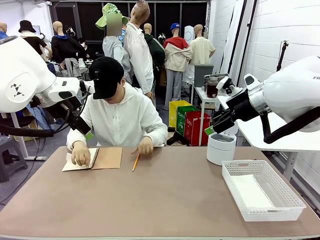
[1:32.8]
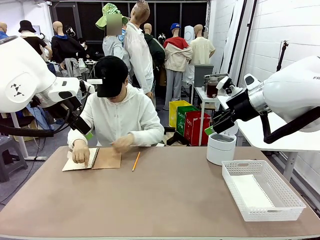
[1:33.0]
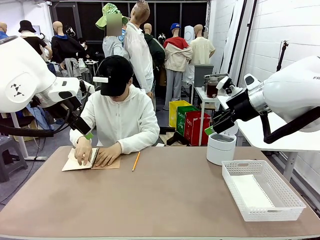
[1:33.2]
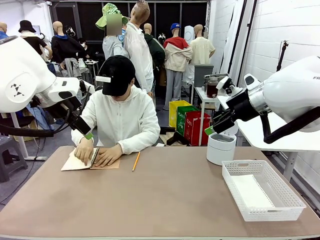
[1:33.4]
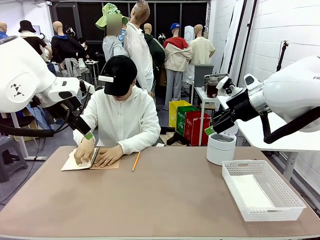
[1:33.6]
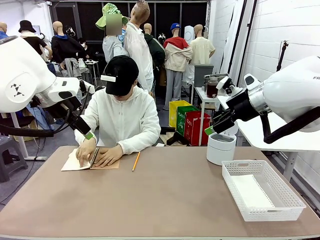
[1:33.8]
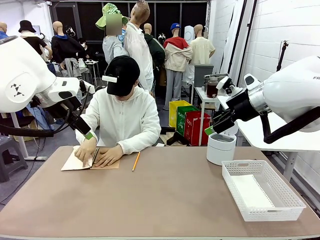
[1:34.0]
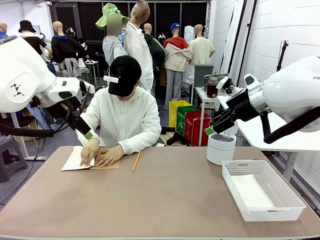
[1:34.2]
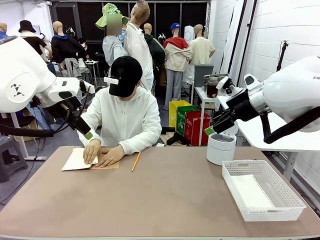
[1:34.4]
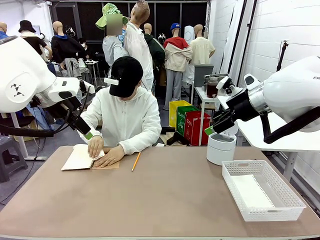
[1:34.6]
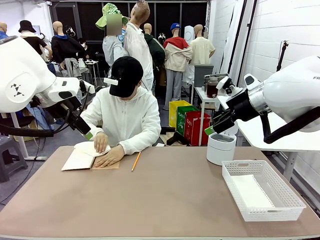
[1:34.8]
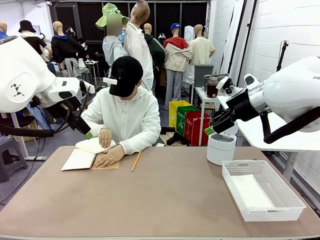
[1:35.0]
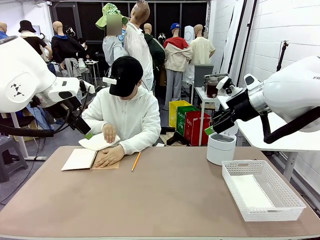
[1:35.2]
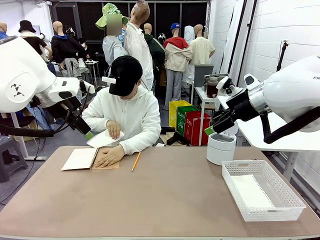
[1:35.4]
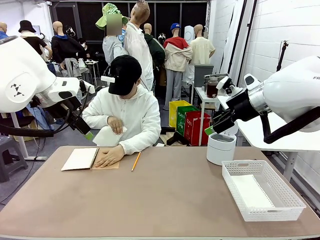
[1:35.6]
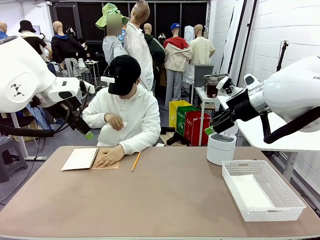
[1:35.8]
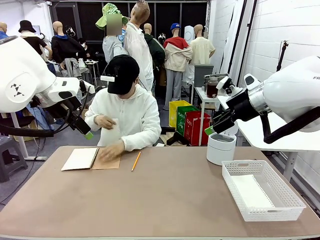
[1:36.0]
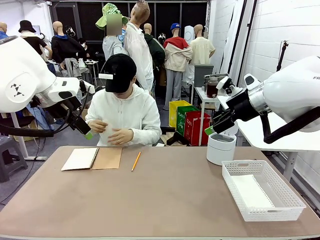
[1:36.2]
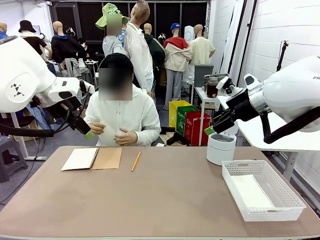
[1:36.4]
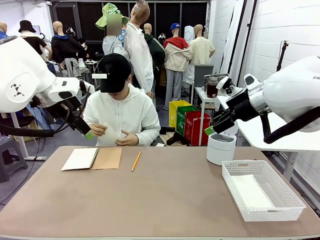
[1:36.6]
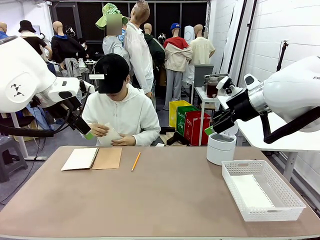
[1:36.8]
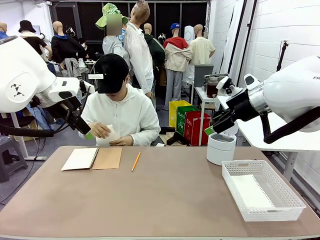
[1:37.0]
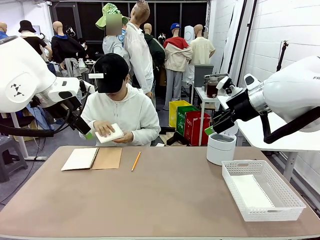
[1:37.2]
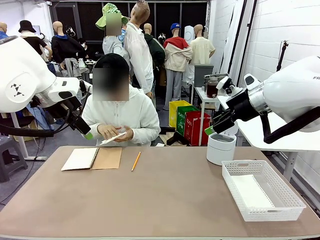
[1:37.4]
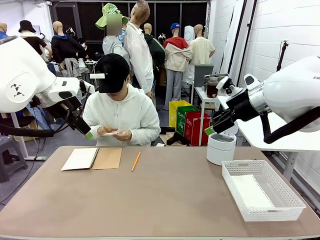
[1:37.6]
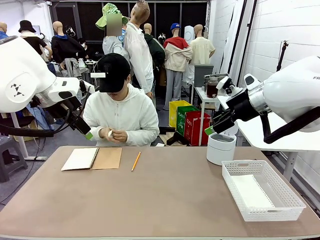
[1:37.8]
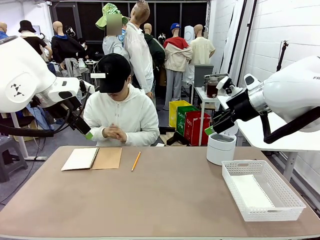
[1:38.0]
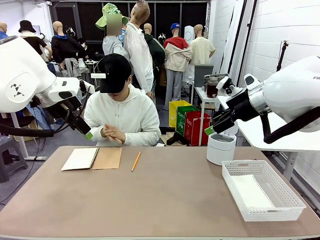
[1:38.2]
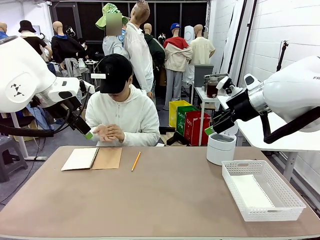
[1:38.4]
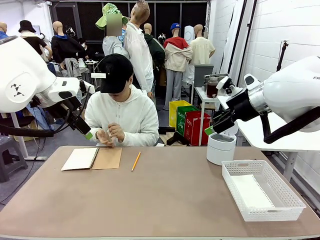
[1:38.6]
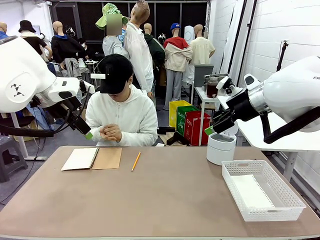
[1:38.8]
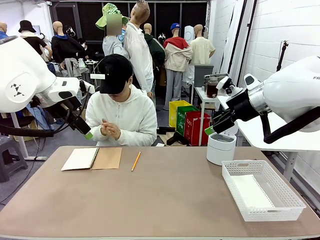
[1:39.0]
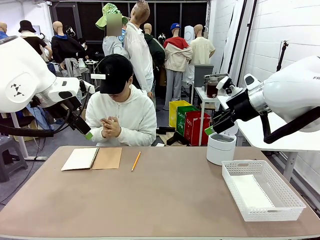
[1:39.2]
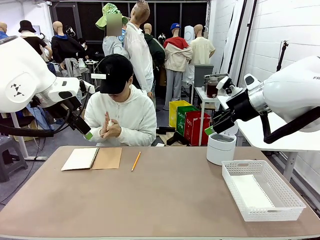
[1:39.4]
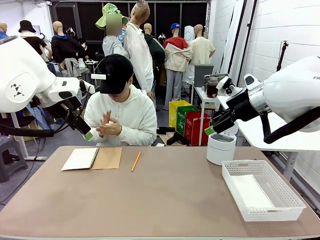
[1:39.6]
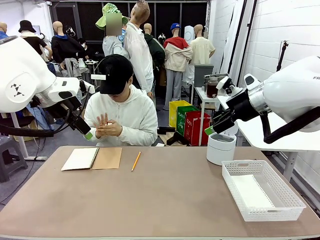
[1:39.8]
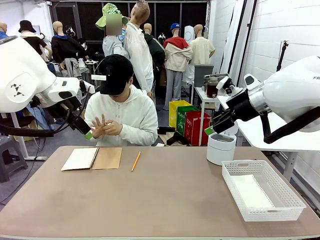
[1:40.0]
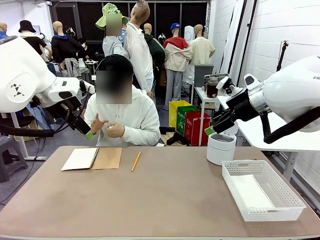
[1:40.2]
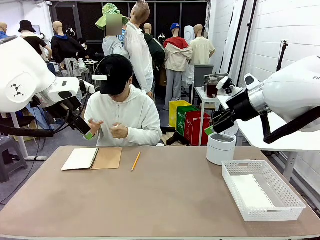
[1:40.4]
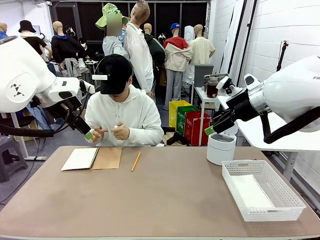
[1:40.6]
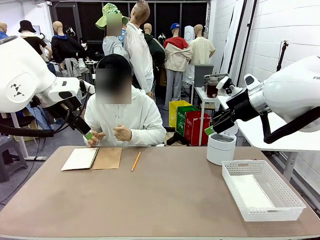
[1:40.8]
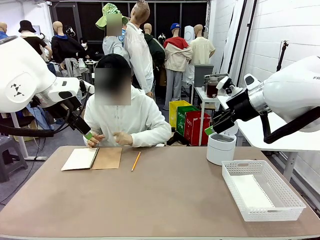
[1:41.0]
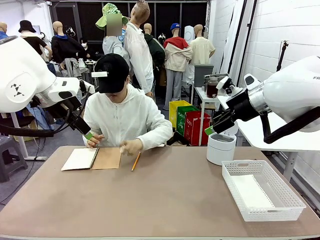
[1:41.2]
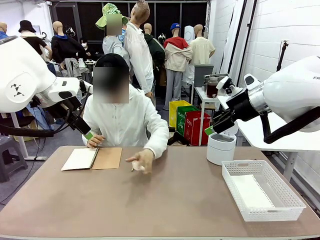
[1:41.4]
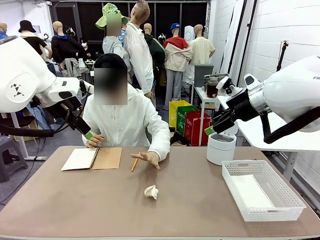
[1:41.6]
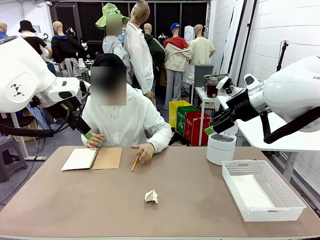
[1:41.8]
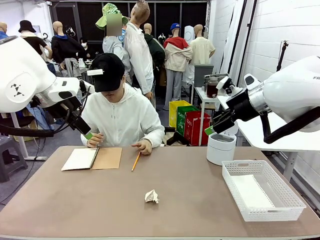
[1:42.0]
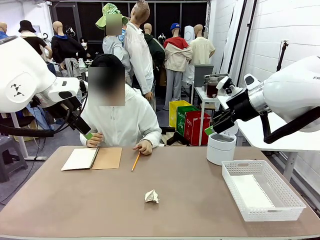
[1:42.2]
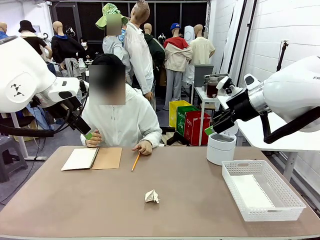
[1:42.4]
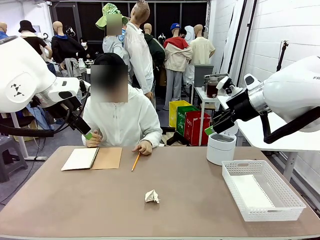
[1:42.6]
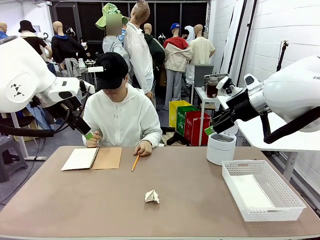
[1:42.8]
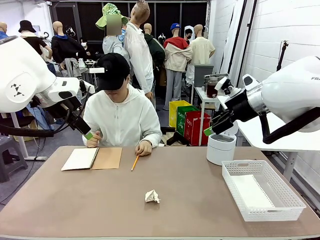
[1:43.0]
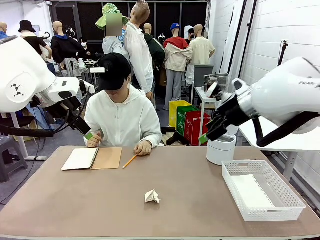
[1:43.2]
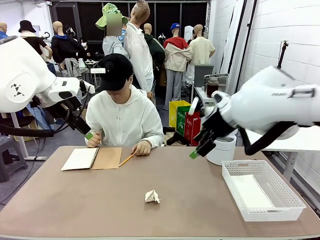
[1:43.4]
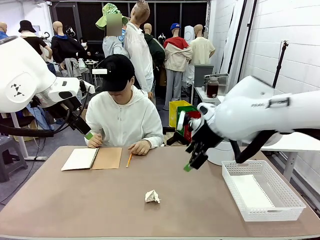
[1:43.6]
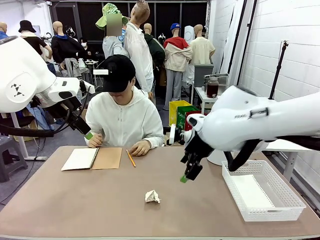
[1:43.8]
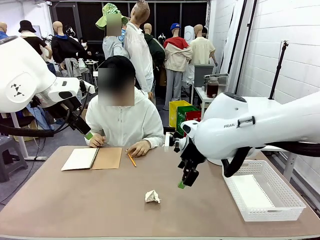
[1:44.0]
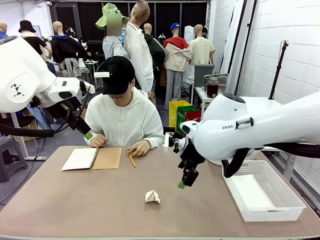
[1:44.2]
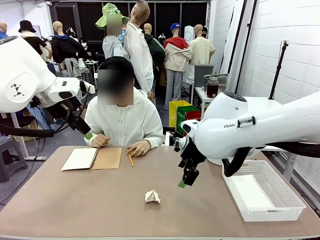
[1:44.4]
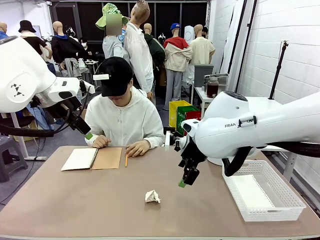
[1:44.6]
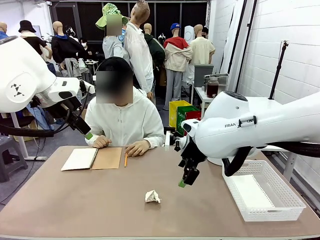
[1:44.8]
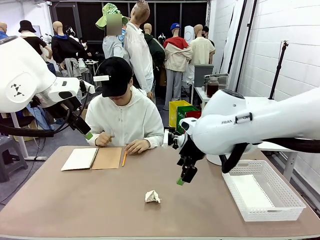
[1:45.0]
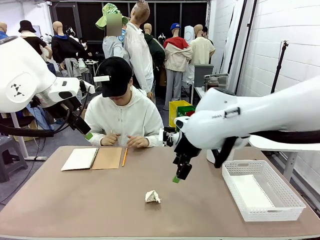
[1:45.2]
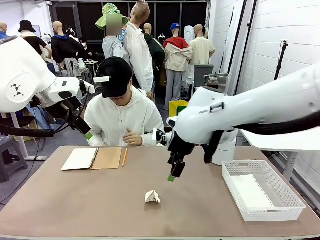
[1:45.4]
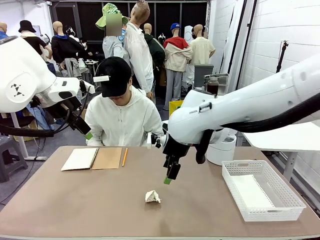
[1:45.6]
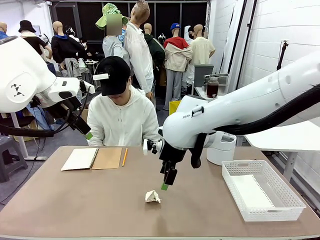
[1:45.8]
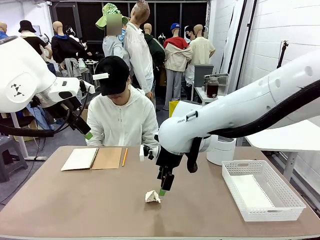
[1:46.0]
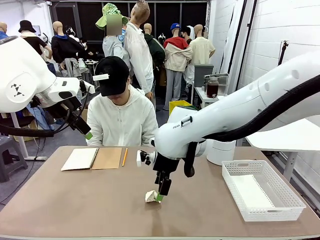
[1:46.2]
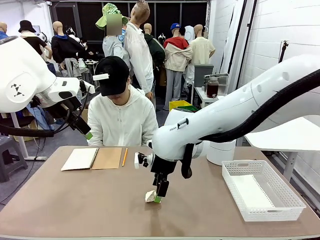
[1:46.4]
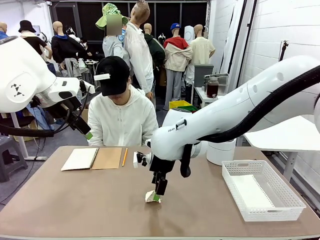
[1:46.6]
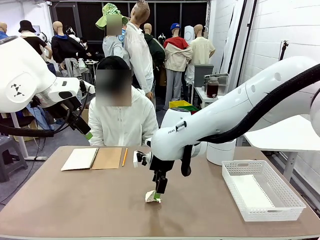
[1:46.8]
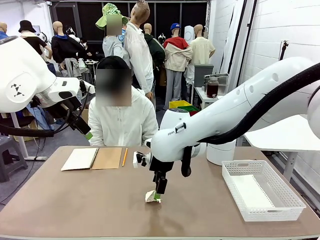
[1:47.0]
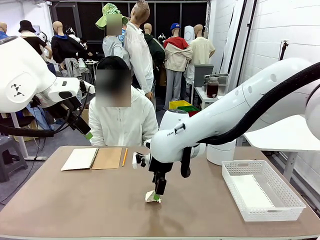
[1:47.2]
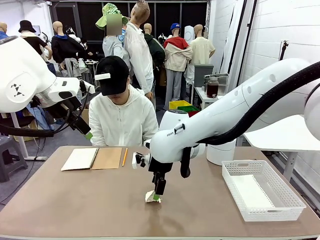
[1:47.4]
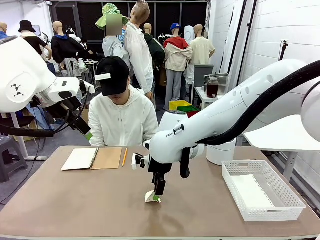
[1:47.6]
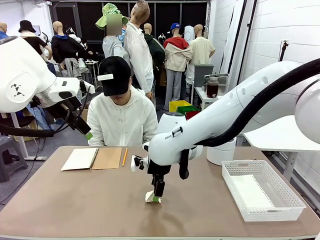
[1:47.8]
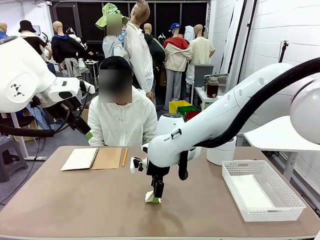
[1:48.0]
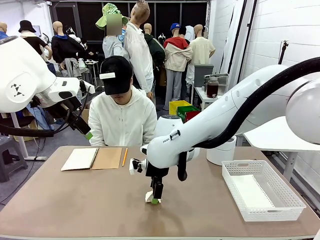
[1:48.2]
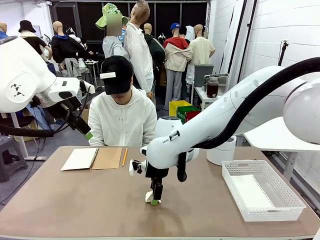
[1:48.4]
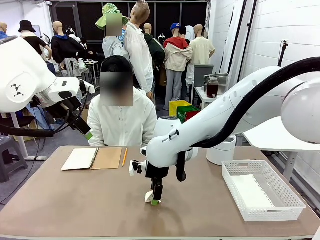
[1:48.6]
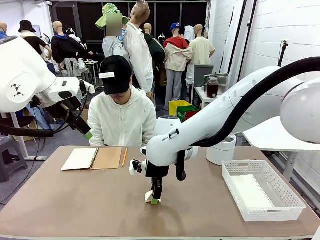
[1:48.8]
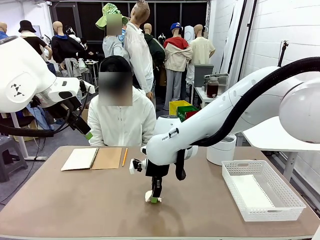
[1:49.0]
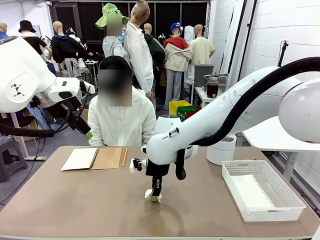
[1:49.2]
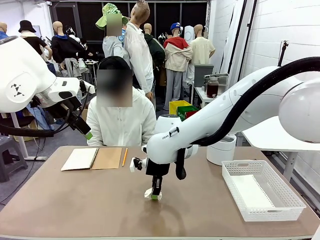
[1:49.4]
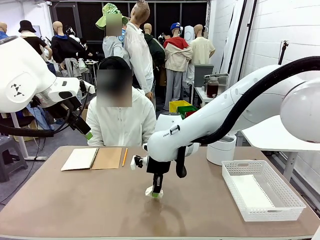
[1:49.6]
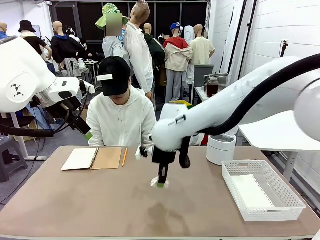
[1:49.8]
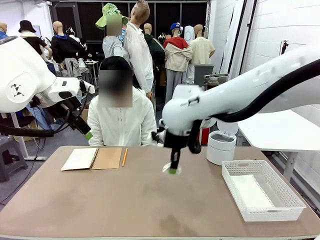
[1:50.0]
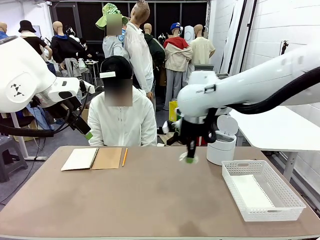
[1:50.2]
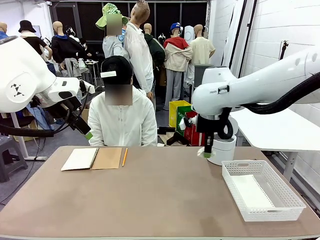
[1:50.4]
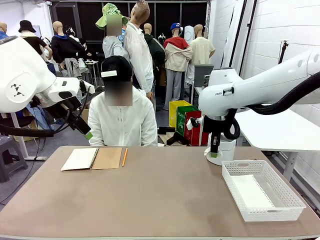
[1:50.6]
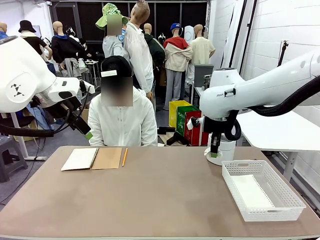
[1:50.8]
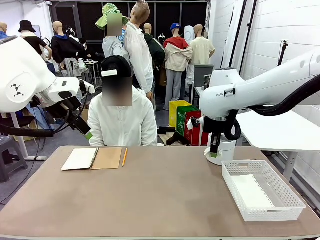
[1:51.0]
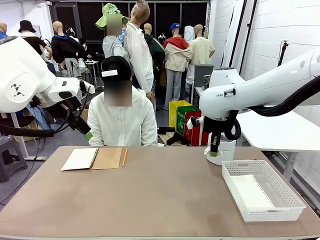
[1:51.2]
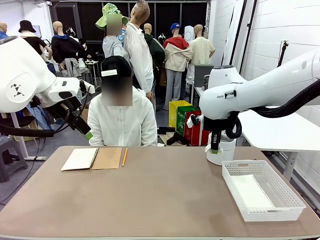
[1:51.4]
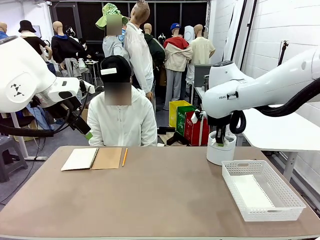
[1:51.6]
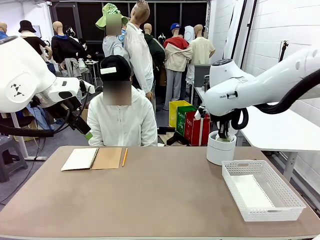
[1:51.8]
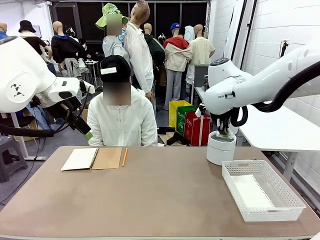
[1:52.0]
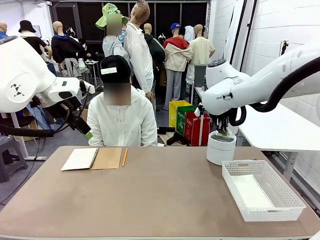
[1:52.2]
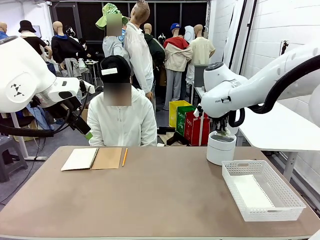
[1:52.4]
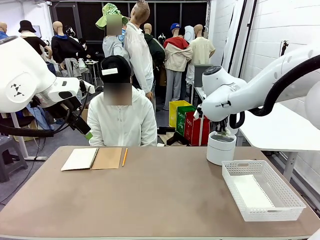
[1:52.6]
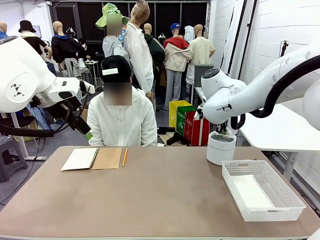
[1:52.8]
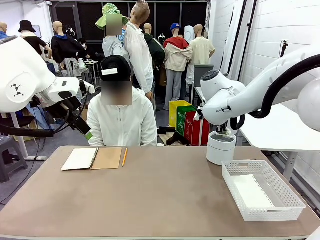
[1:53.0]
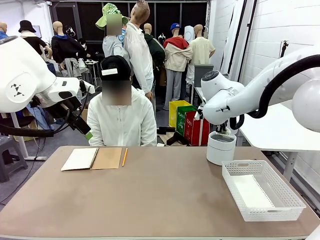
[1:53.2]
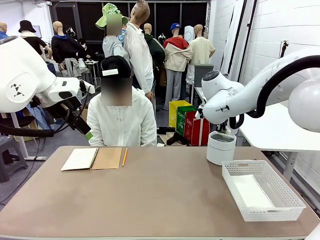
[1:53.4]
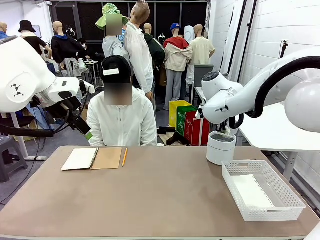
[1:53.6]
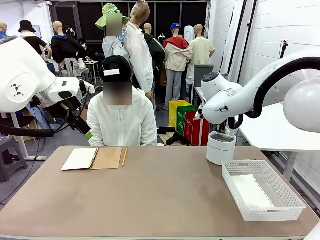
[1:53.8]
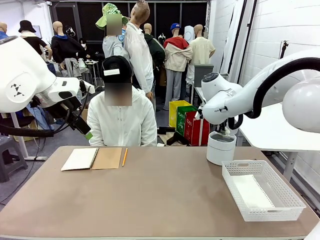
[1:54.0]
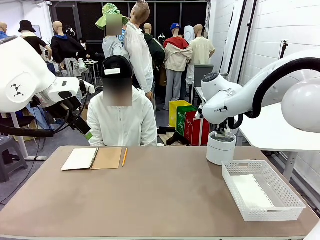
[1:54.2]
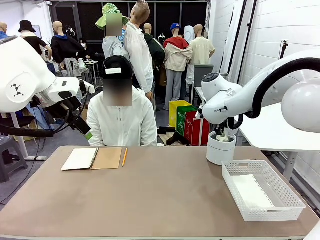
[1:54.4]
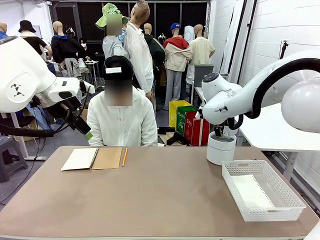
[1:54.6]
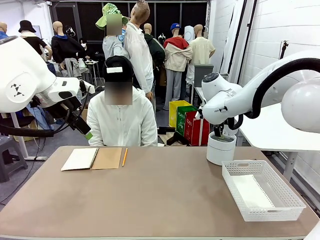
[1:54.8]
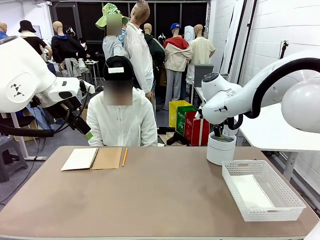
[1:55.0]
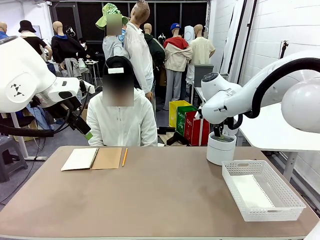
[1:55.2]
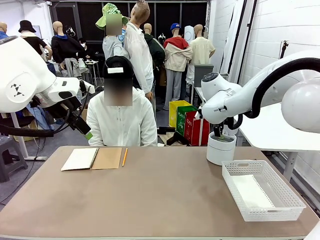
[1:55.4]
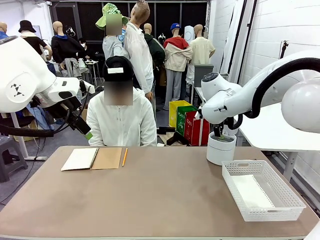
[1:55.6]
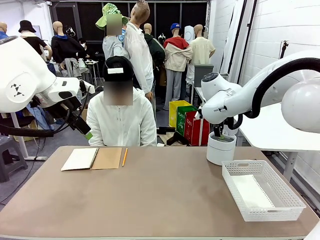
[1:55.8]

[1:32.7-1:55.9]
Task: Sort the paper based on its condition.
Robot: If a person hands you a paper, place it in the Organizing basket , and if it's crumpled, put it in the Trash can.
Person: Hand the torn page to the robot or crumple it and throw it to the center of the table.
